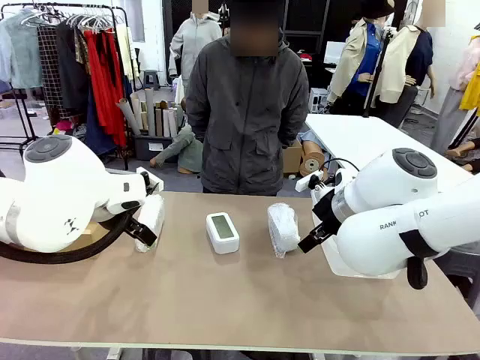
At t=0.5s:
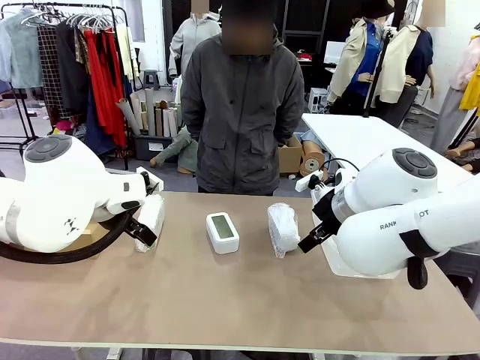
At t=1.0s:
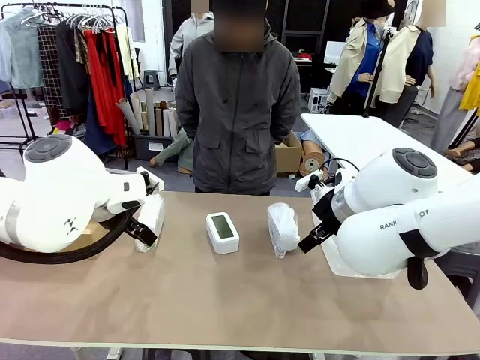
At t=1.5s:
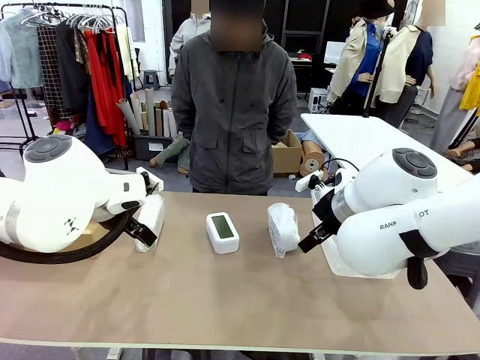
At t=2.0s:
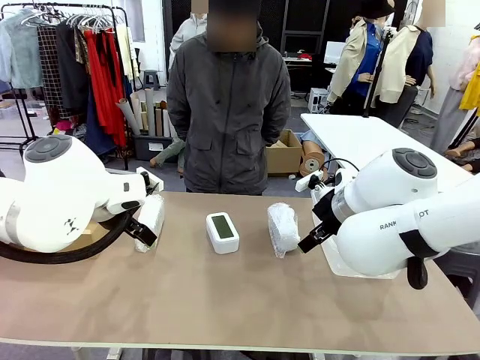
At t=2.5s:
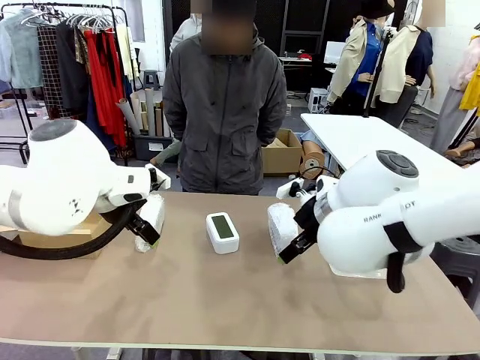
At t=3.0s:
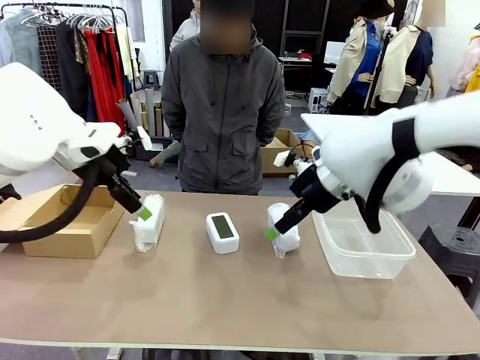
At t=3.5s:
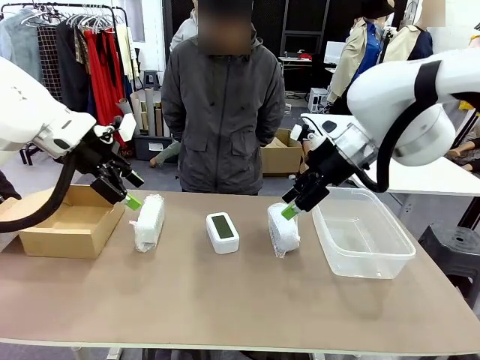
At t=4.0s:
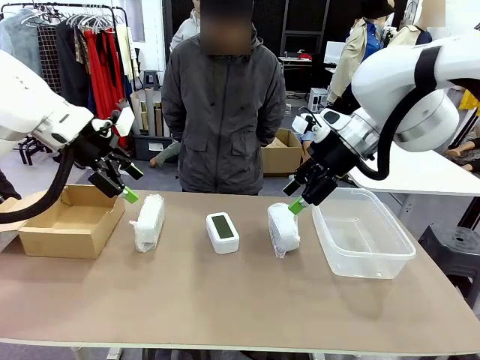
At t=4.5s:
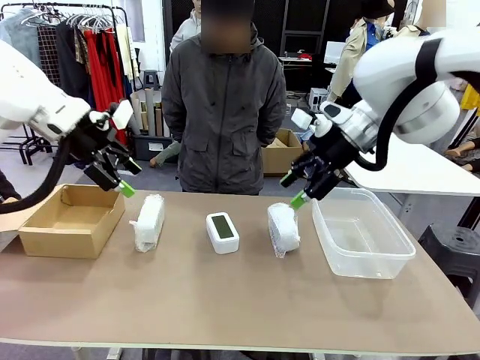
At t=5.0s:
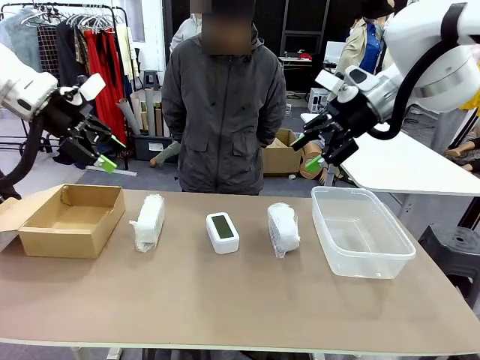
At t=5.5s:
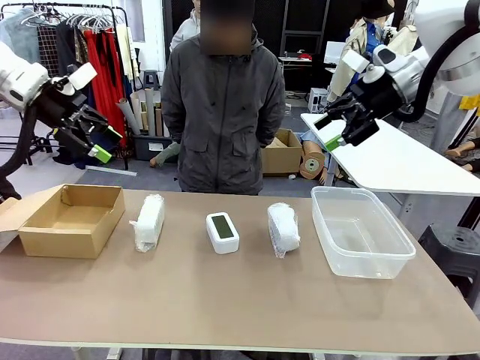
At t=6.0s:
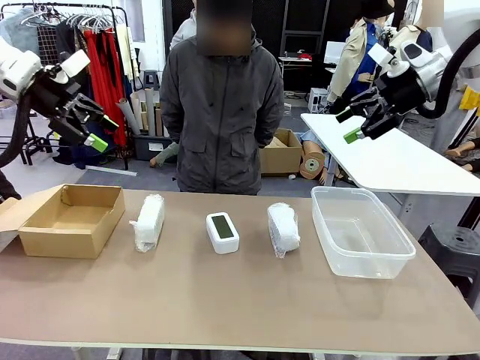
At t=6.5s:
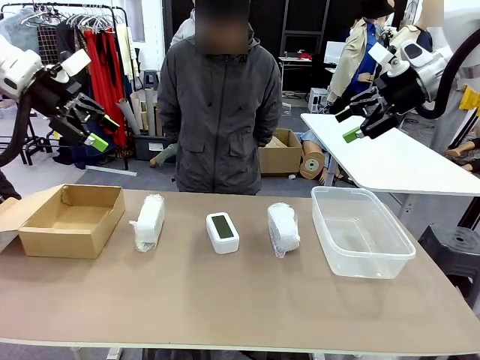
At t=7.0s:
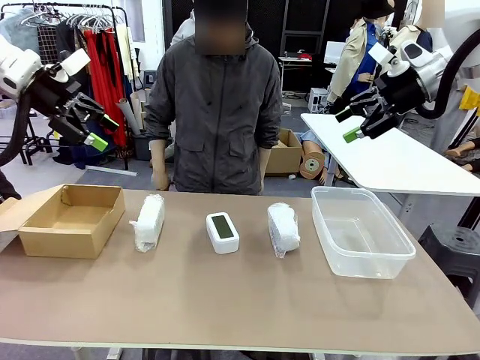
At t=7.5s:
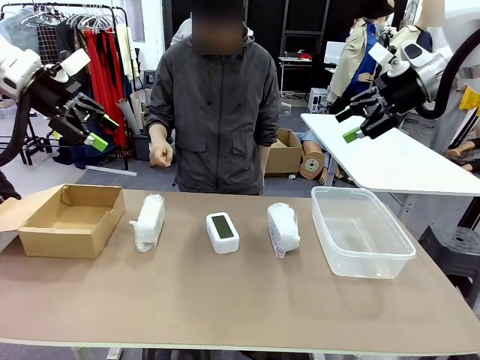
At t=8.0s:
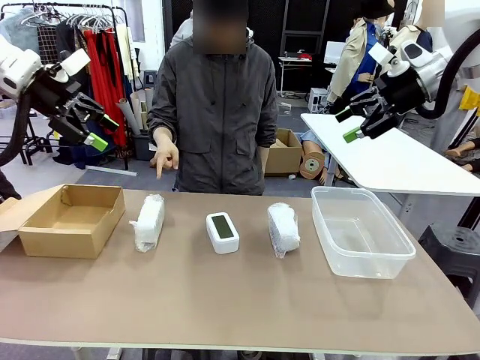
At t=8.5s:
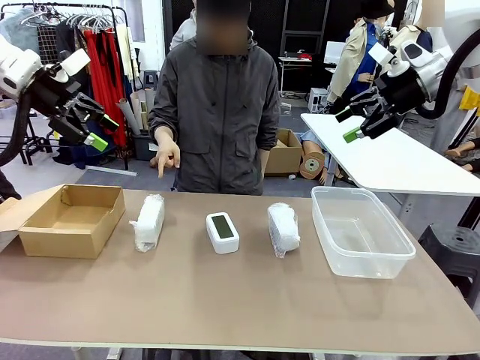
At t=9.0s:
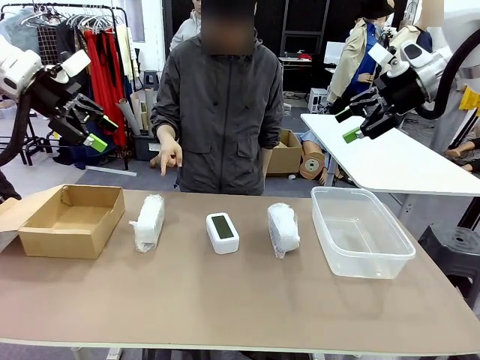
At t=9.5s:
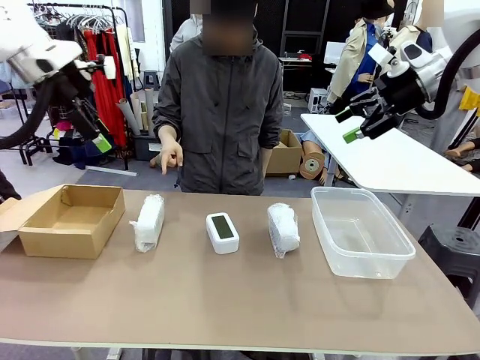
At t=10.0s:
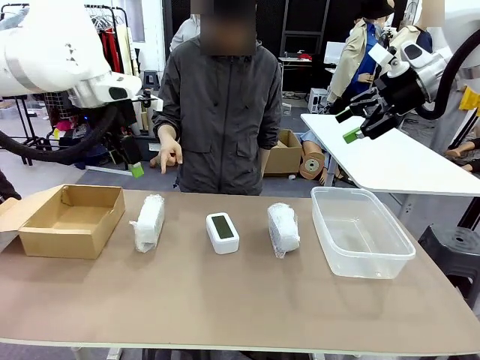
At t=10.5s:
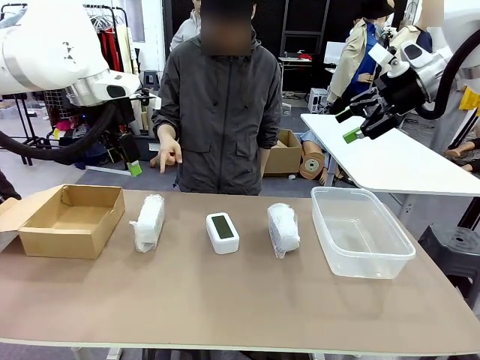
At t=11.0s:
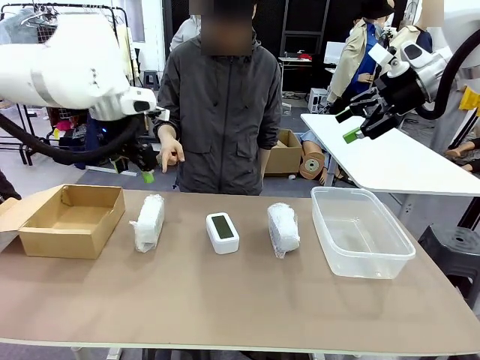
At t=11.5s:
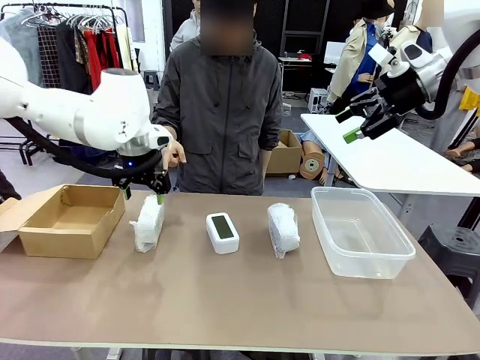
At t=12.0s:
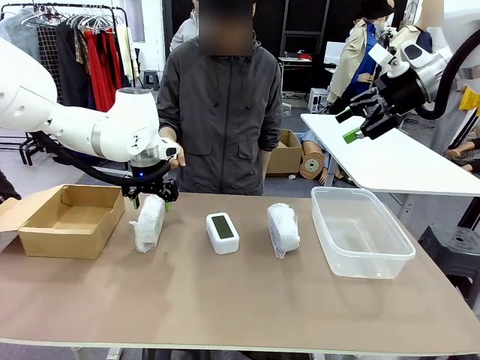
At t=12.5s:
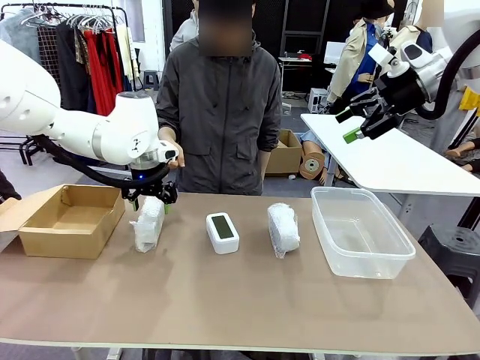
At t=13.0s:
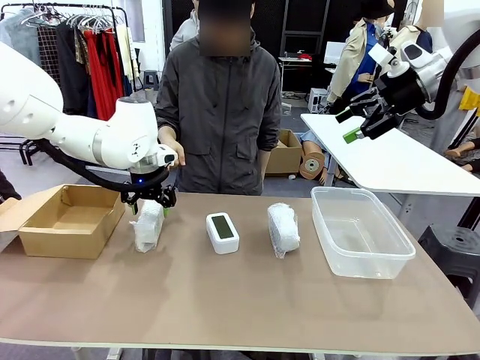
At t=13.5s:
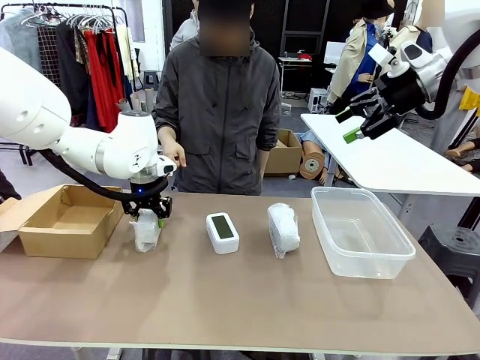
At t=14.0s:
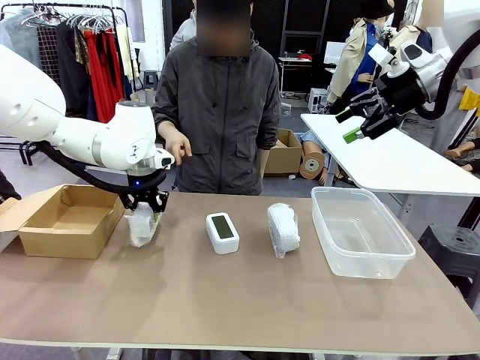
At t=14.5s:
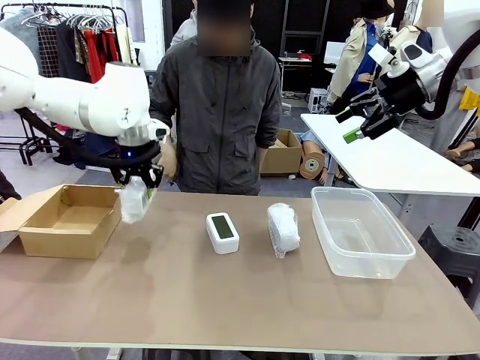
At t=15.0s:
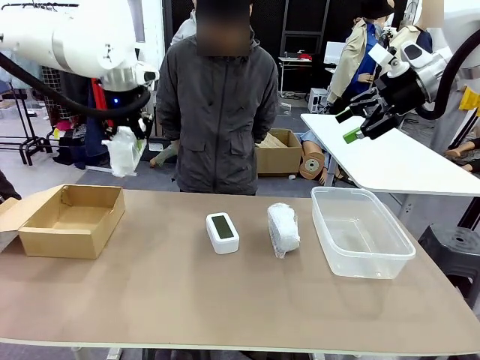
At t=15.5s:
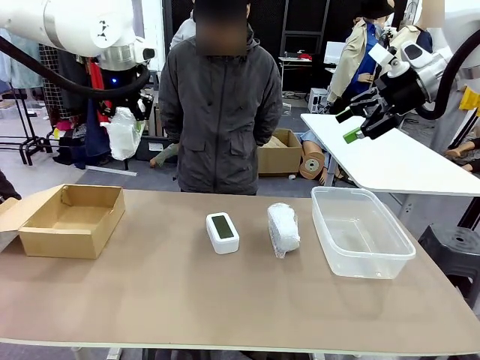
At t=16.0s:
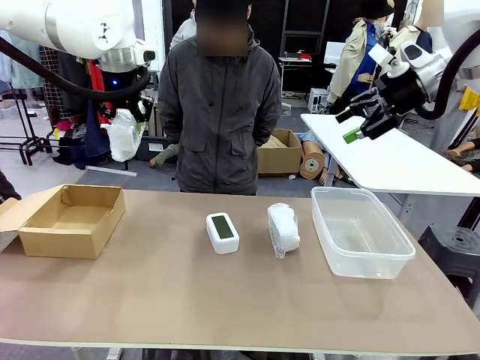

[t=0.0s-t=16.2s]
Task: Separate and place wrapped and unwrapped clocks.
Robot: Pick up the Digital clock indicated by the person.

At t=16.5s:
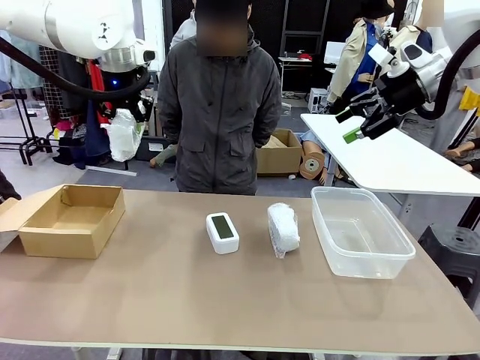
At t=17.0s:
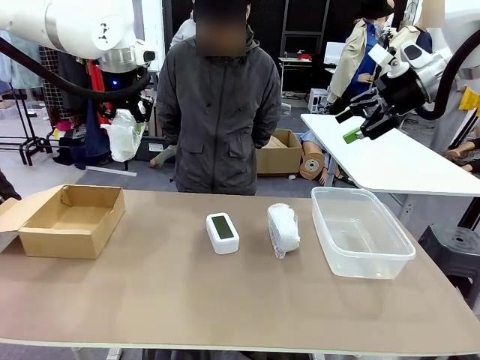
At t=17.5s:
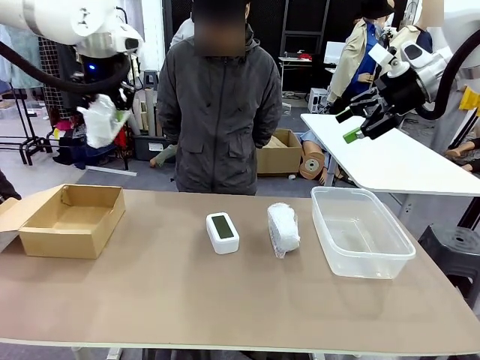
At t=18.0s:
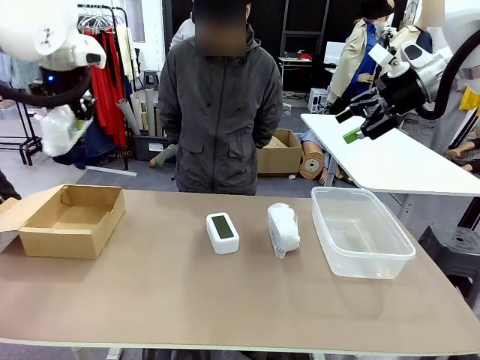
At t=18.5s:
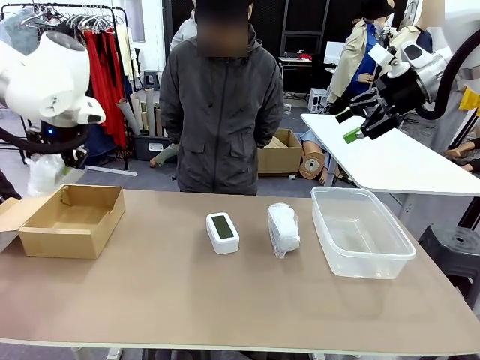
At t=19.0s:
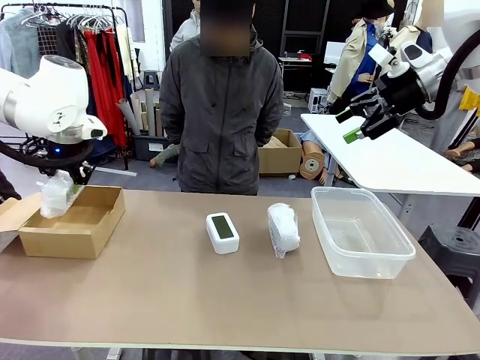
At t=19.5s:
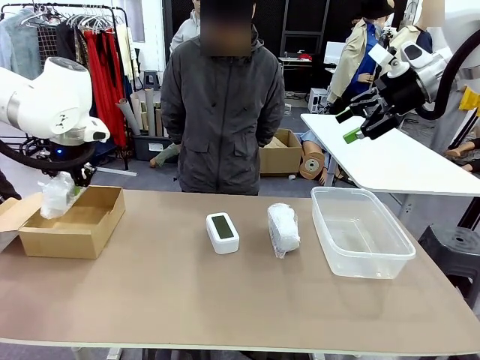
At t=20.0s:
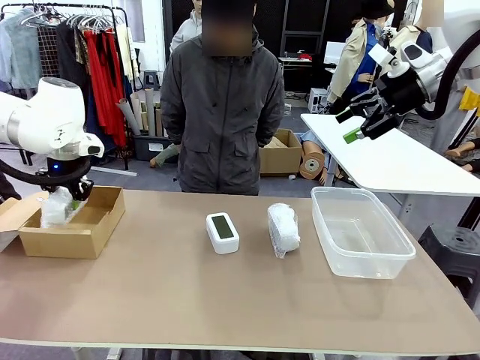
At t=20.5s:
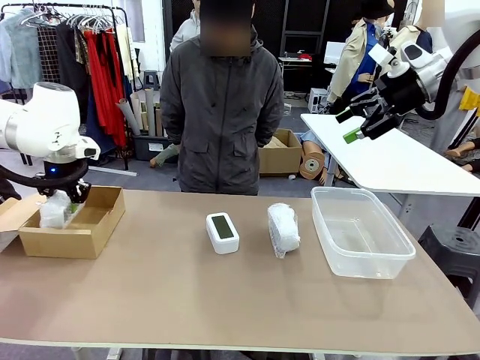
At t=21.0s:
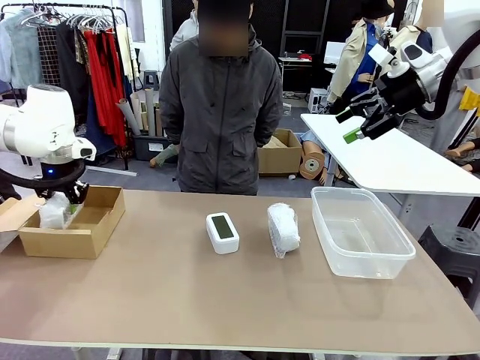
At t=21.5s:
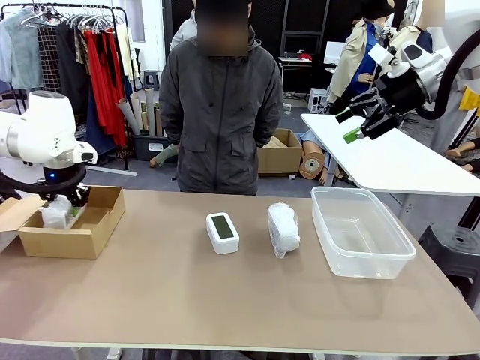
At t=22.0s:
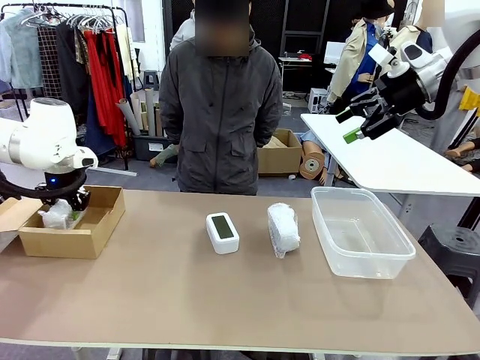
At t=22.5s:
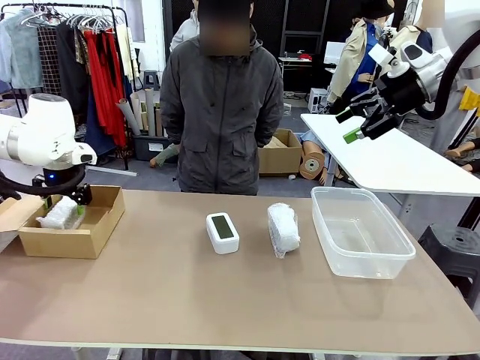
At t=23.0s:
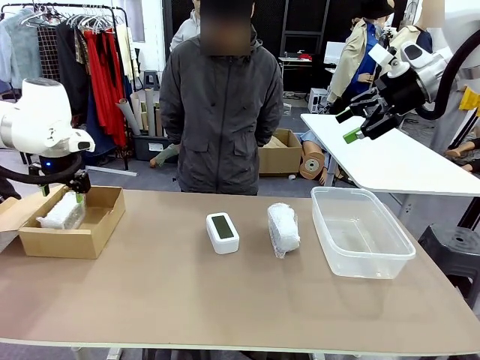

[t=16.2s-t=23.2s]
Robot: If the picked Digital clock is wrapped, place it in the Package Box ; if not, place it in the Organizing box.

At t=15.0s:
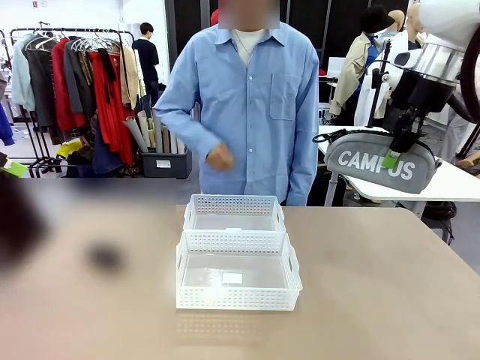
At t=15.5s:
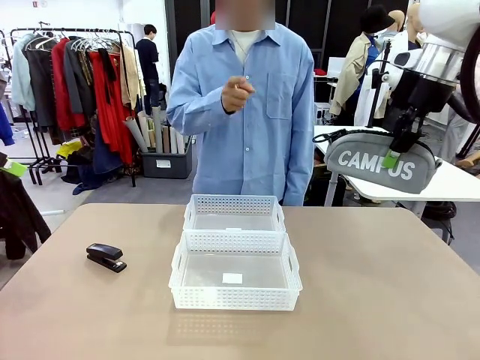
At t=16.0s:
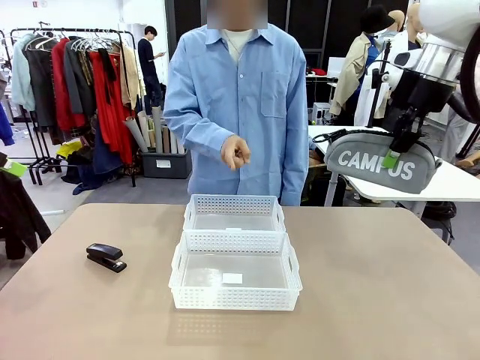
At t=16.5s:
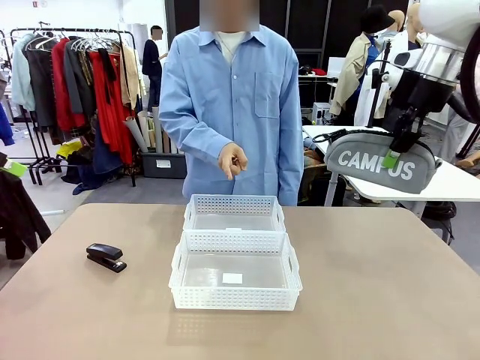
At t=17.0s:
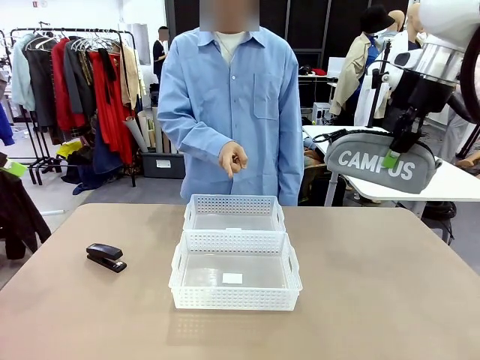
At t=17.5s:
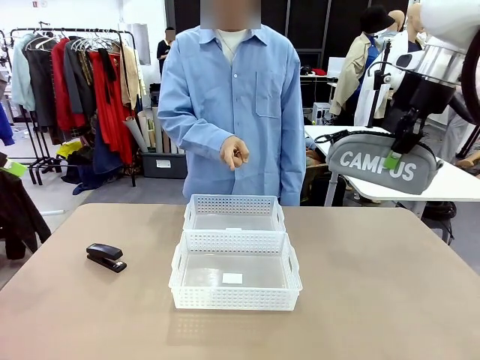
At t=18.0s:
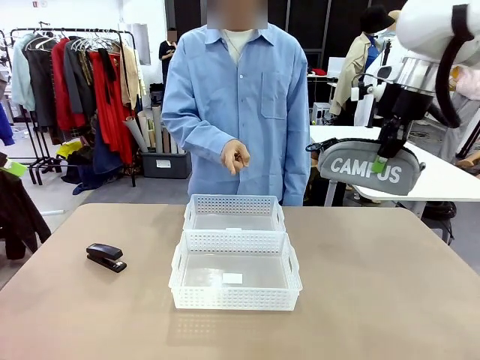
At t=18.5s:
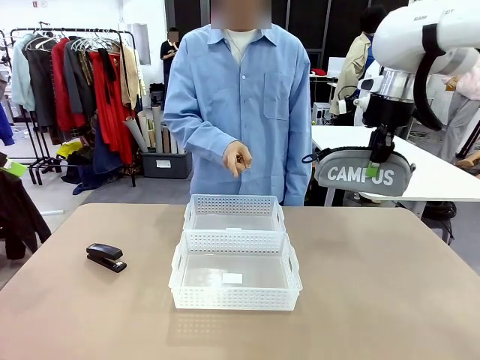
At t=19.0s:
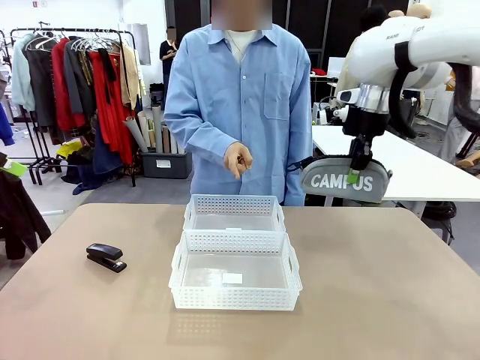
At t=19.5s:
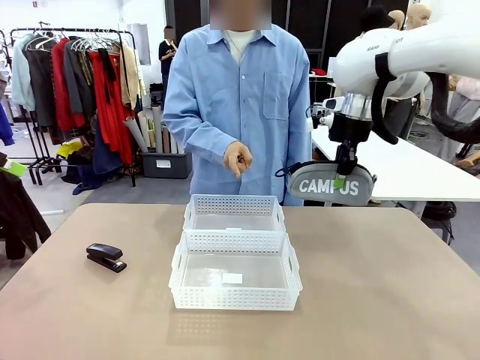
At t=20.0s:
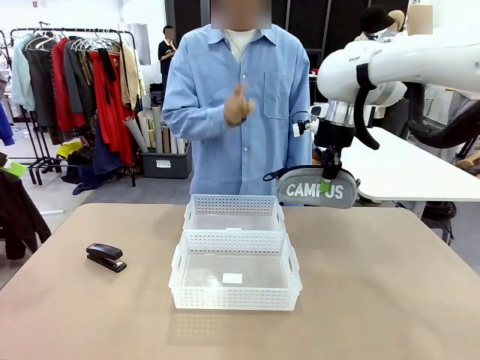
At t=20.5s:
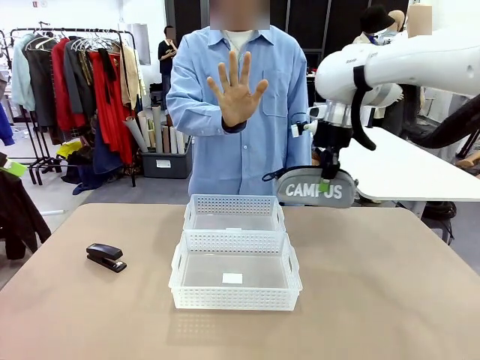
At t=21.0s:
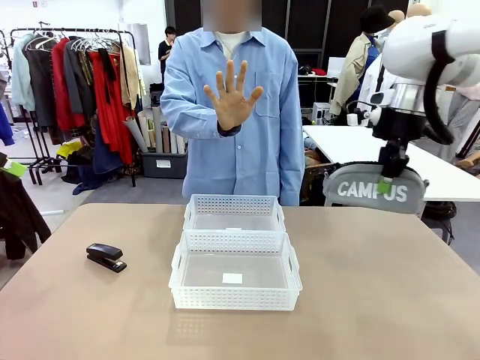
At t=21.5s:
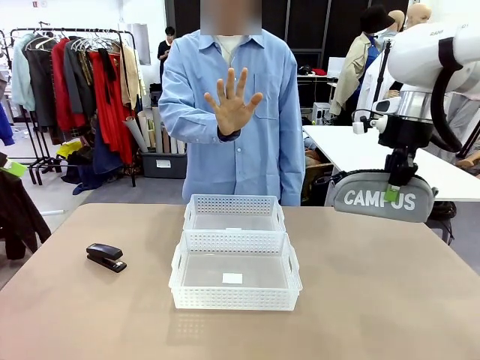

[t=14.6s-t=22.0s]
Task: Distribute items into two baskets.
Robot: Move the picked Pencil pouch towards the Organizing basket indicated by the person, stopping as directed.
Person: Sends a stop gesture before the robot places the pencil case into the basket.
